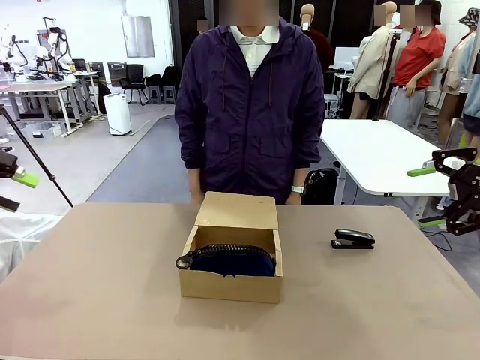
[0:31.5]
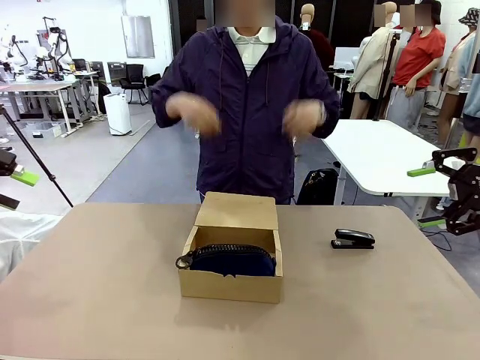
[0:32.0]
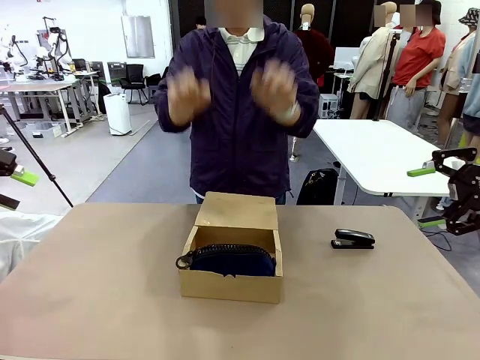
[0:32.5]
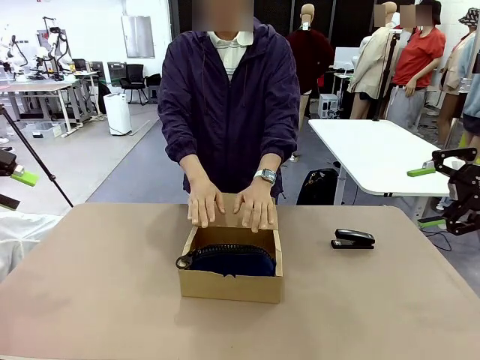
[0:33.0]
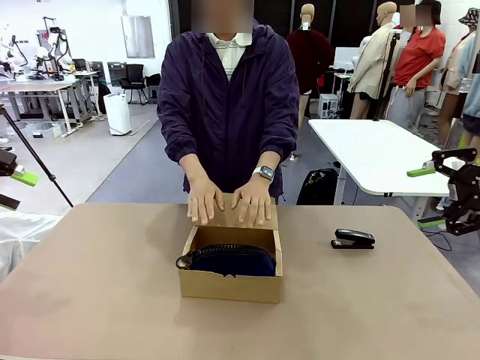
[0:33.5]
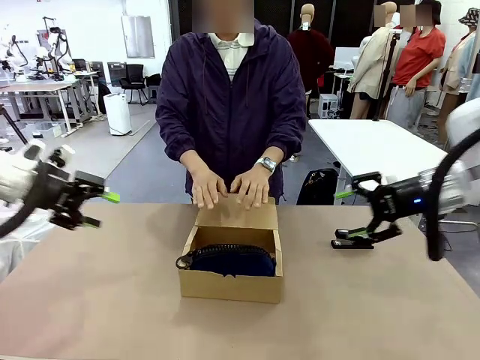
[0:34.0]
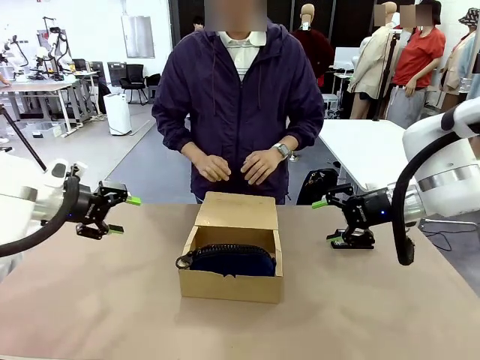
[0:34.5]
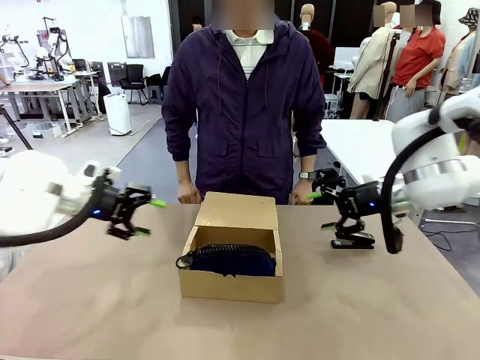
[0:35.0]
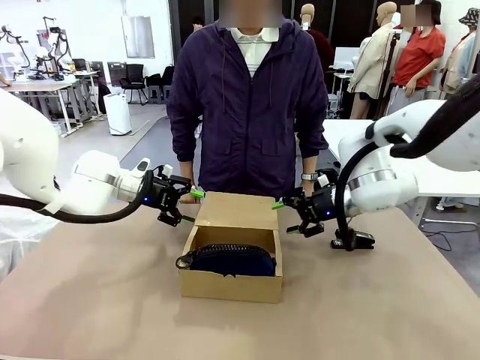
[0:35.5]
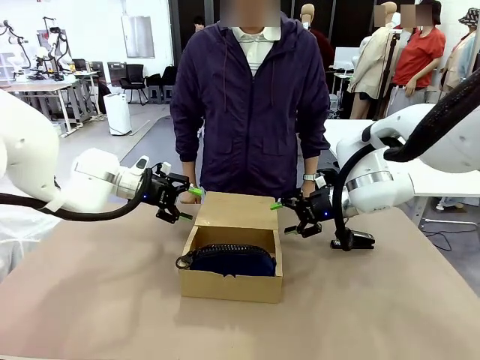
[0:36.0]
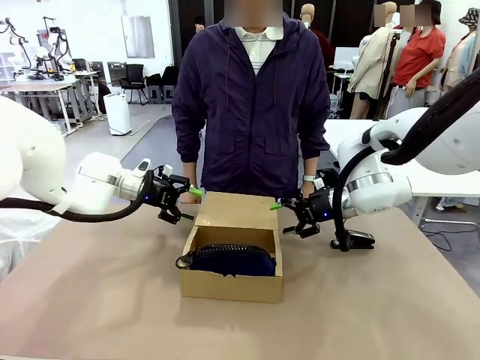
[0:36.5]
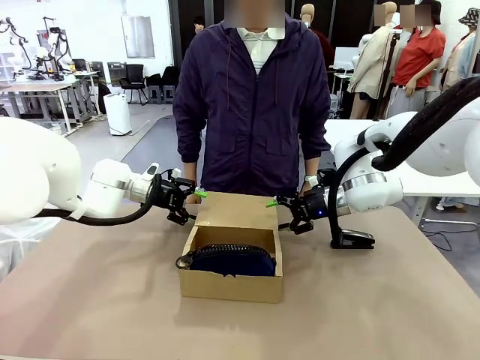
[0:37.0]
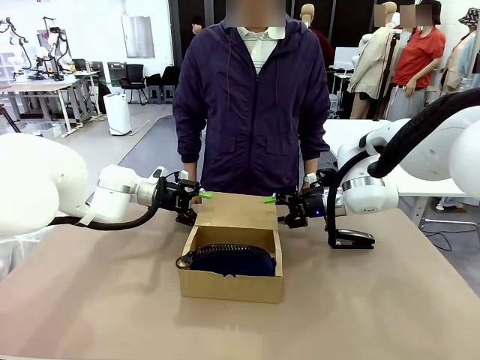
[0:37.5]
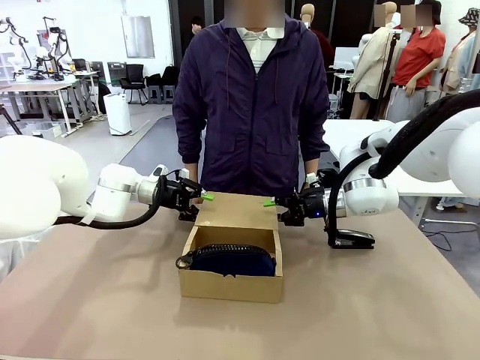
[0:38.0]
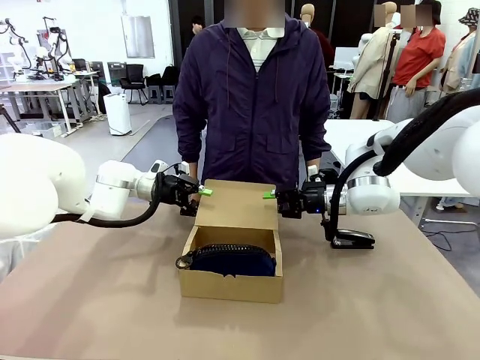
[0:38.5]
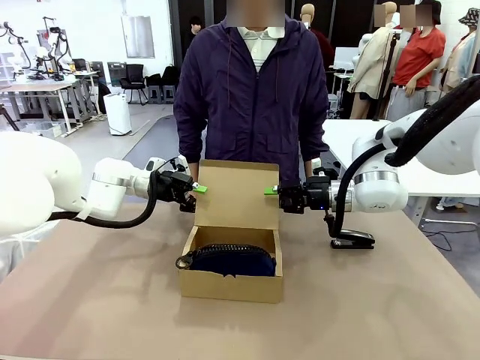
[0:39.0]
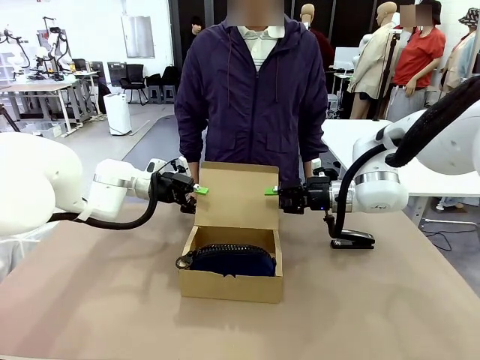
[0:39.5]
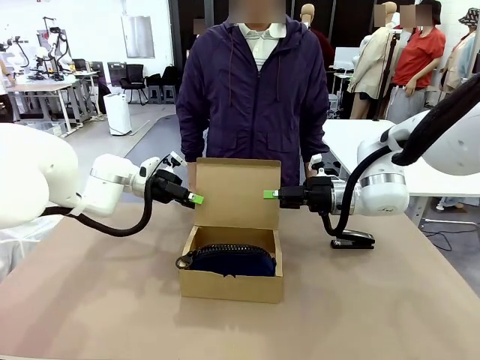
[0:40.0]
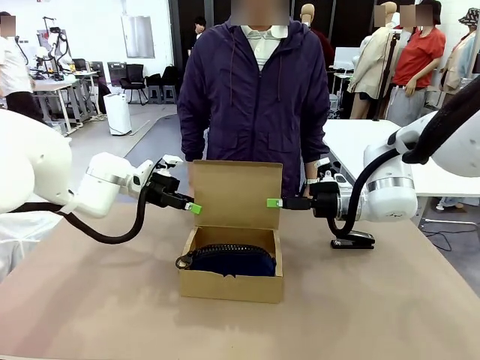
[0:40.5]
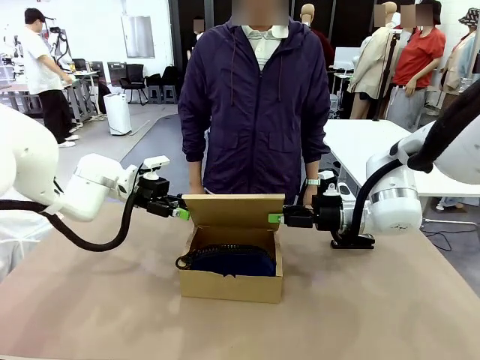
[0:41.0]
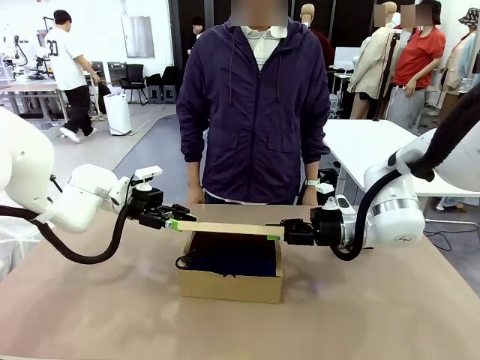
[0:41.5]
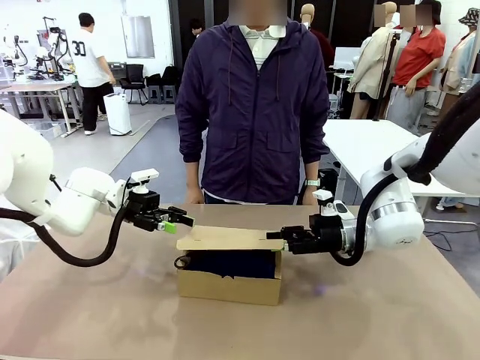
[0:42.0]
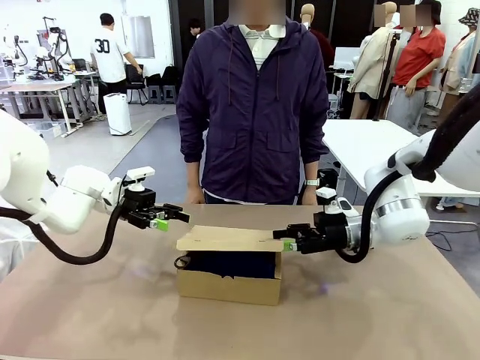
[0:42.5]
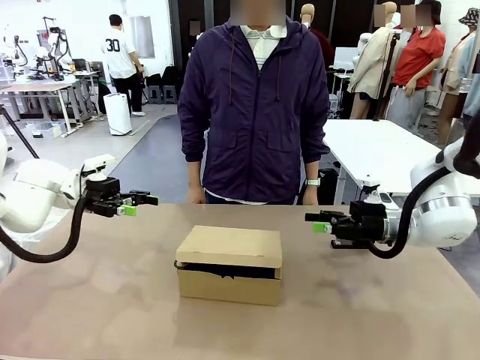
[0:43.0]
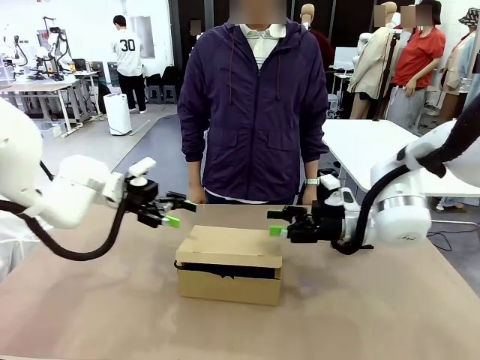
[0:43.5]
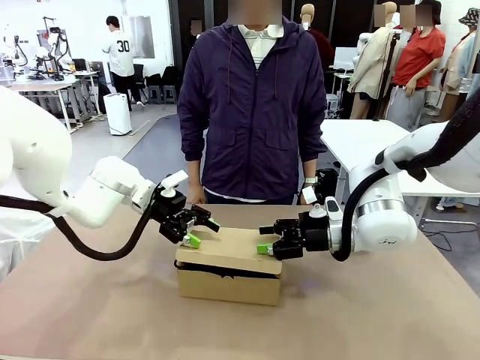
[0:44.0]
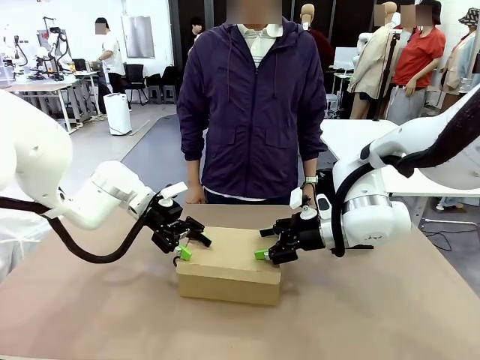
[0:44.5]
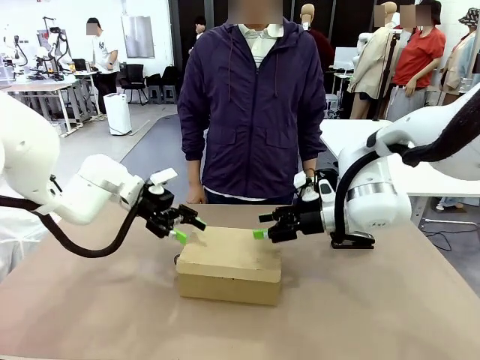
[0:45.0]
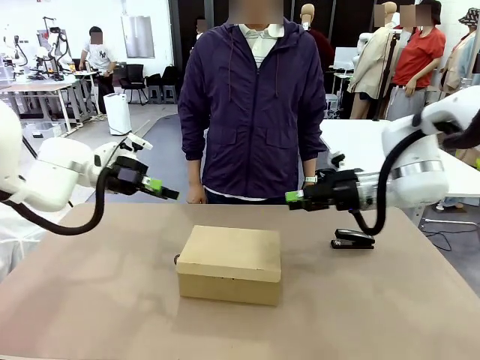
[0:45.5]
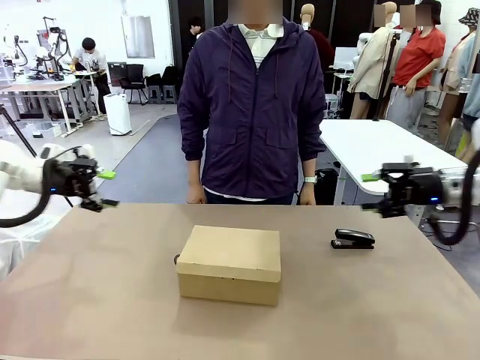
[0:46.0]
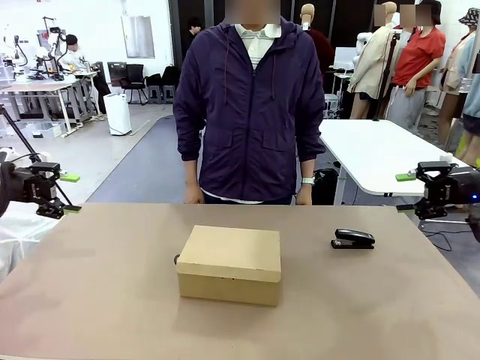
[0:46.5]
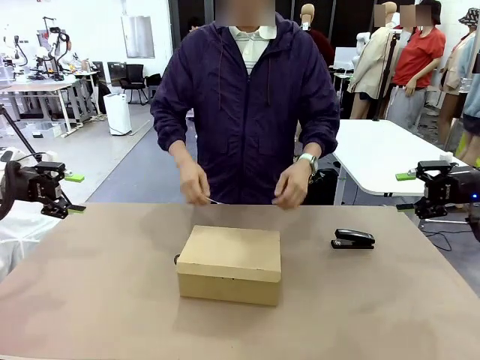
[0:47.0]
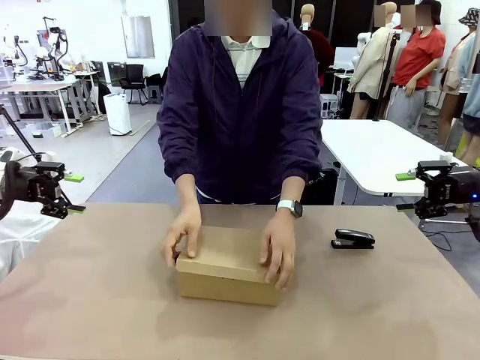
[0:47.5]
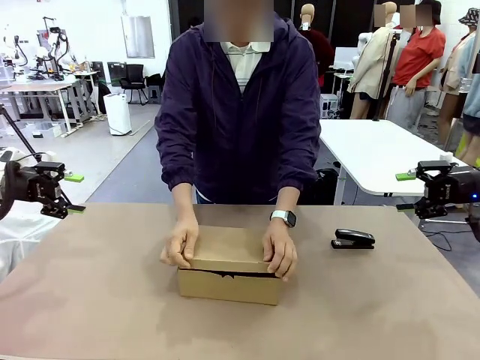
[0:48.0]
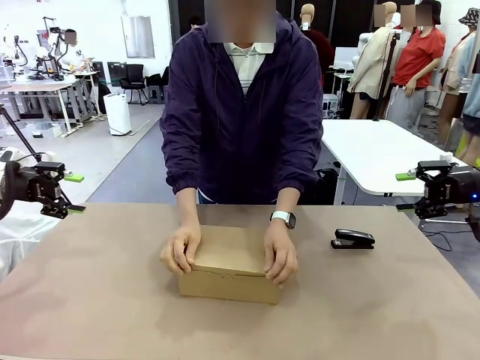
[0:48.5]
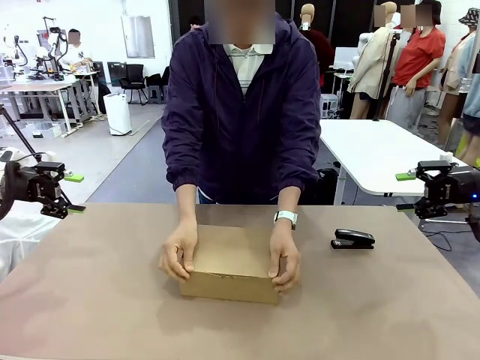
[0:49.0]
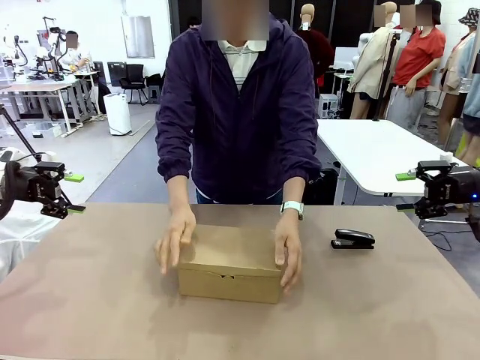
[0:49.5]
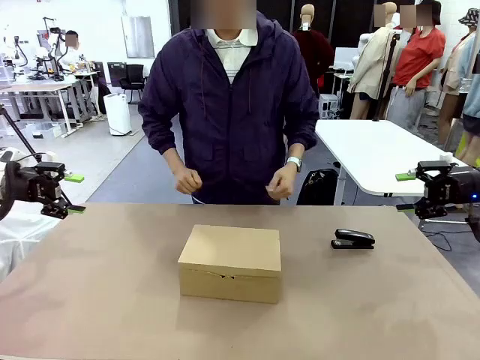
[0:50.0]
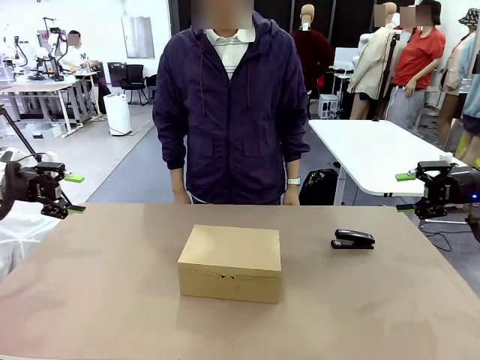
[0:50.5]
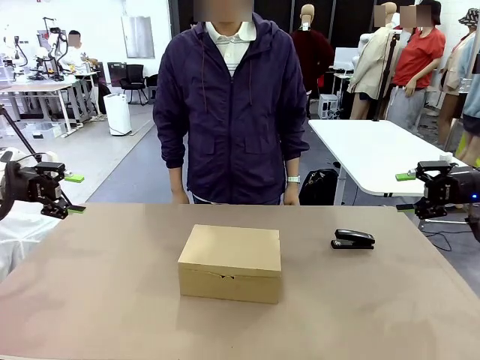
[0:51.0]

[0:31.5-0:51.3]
Task: Pack the items into the box.
Robot: Close the Mailer Box.
Person: Turn the box and lock it.

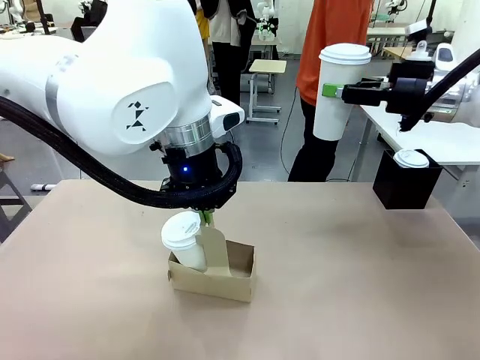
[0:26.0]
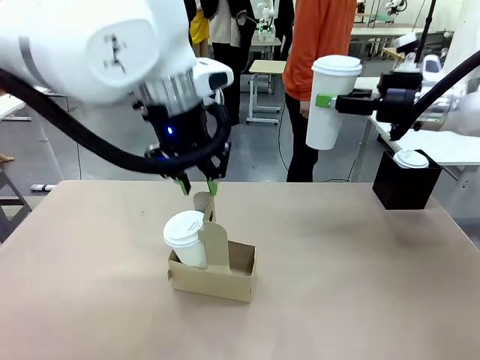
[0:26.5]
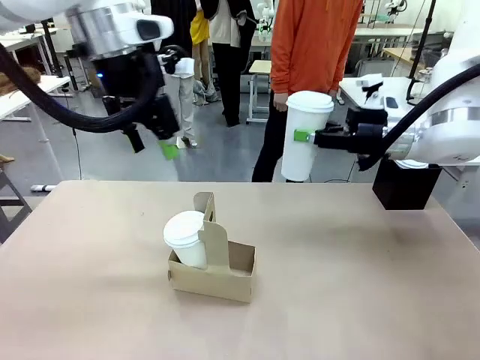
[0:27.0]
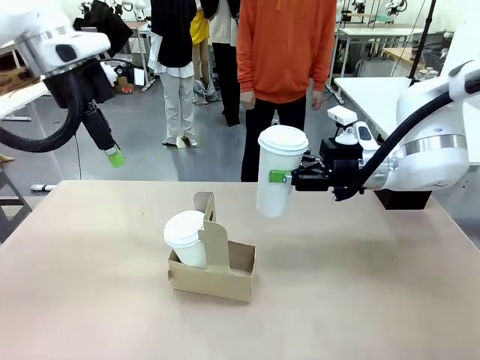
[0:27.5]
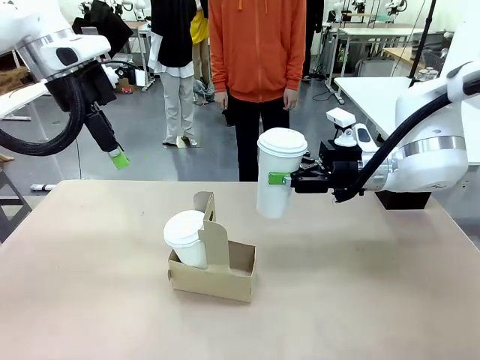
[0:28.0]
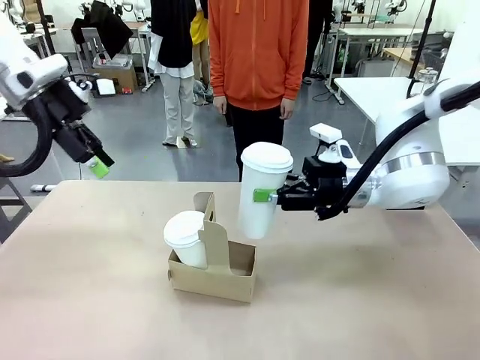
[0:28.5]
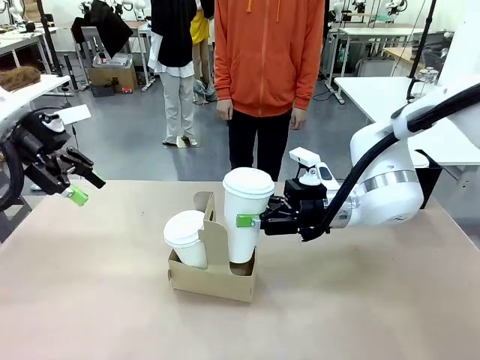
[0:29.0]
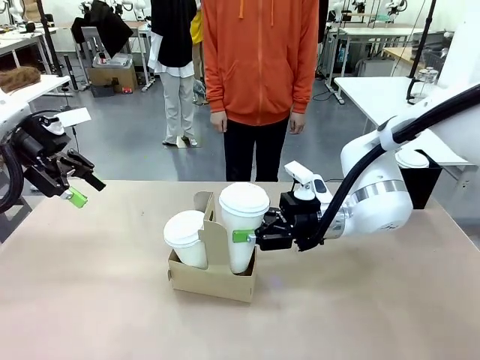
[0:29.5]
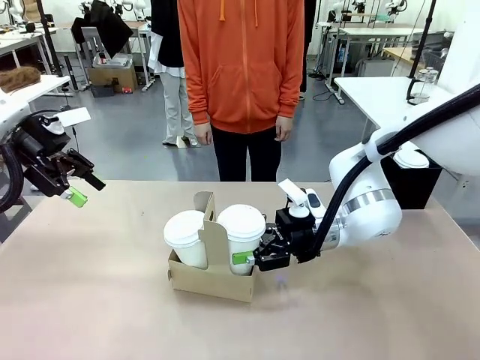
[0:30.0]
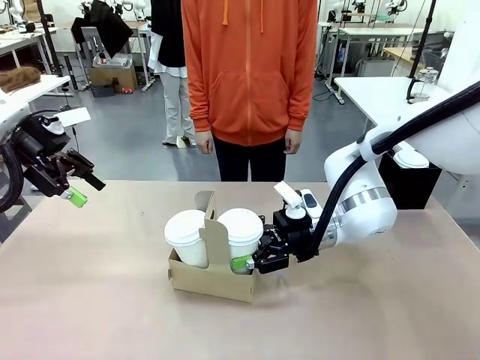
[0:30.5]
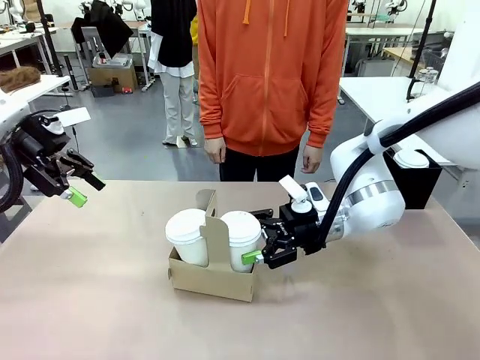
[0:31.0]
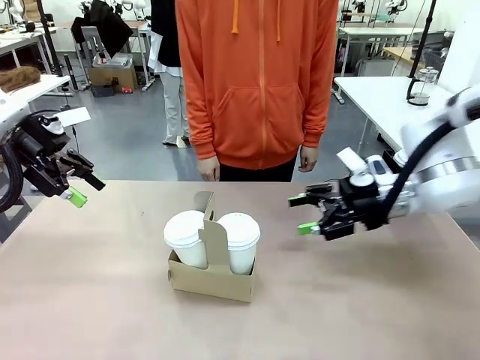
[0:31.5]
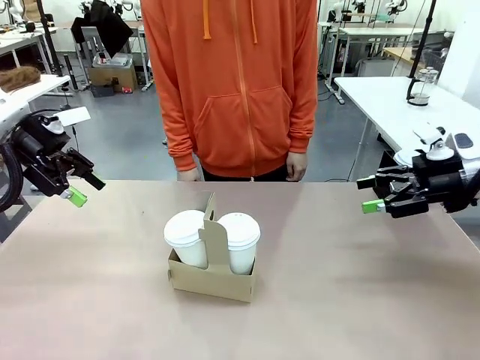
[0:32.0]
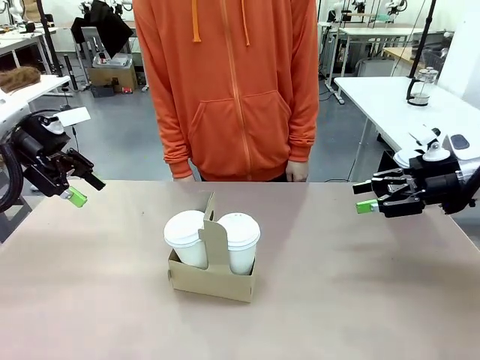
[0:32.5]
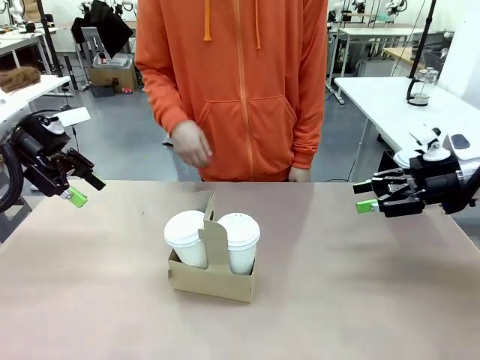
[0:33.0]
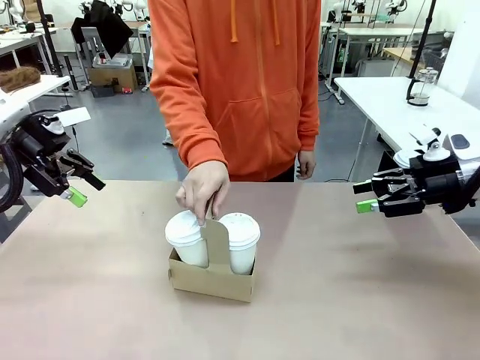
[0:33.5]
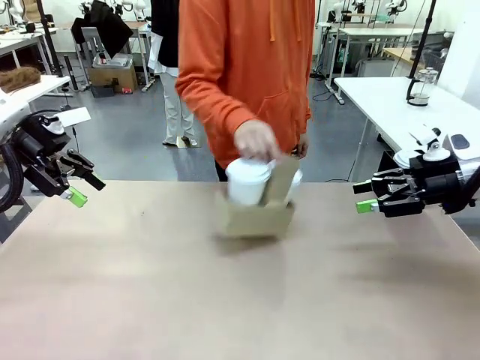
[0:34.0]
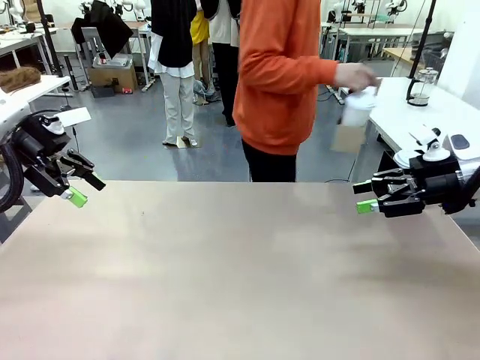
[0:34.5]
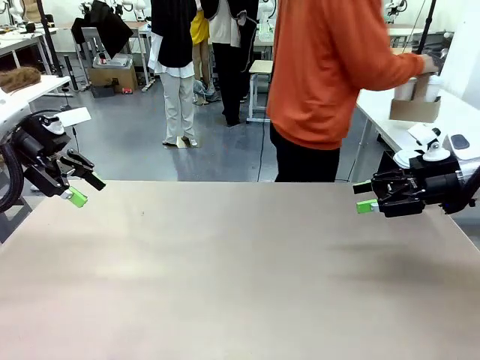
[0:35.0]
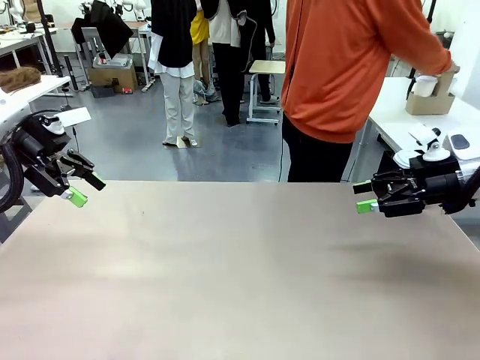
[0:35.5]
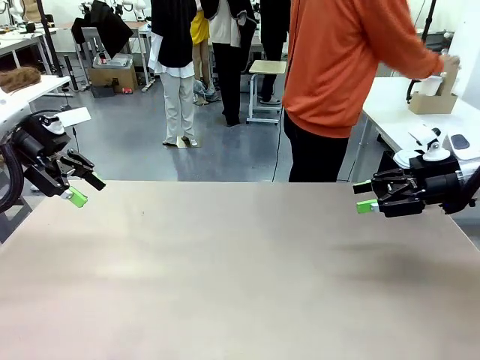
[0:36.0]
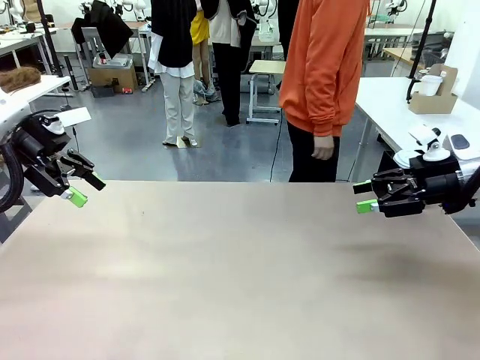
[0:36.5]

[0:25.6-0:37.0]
Task: Pour a drink into a cup and package it in a carrier.
Robot: Insert the held 600 ml Paper Cup into the Cup Carrier.
Person: Place the Cup Carrier to the middle of Human table.
